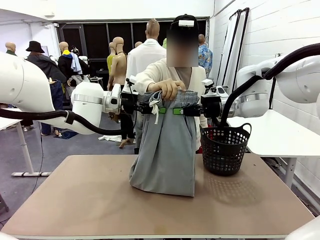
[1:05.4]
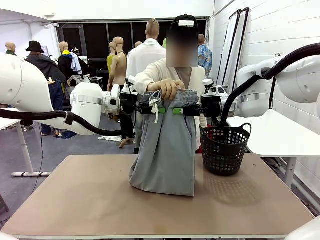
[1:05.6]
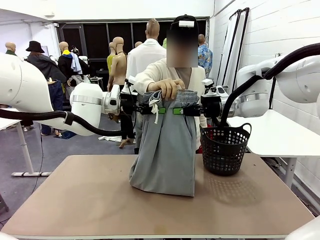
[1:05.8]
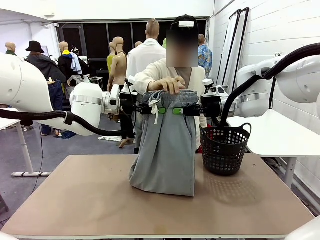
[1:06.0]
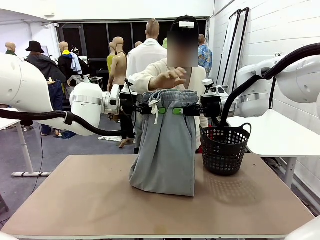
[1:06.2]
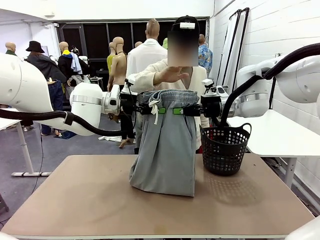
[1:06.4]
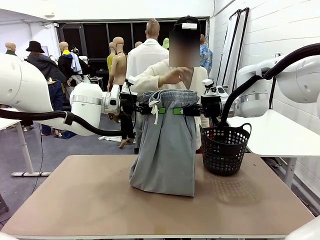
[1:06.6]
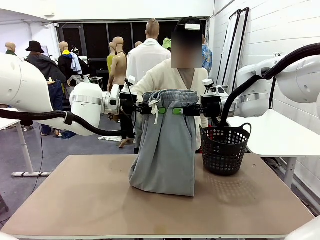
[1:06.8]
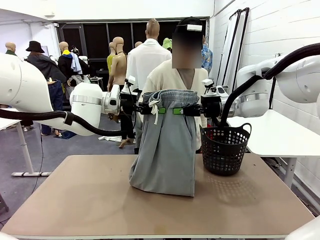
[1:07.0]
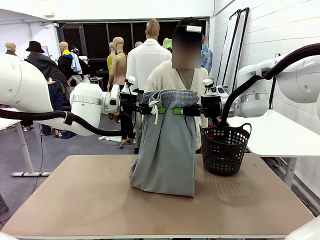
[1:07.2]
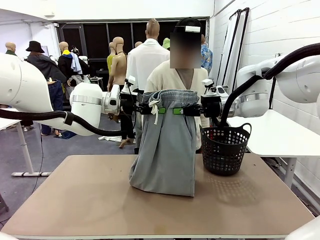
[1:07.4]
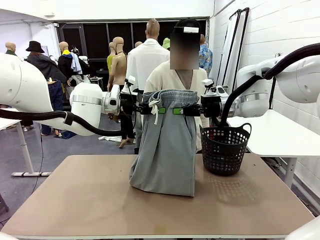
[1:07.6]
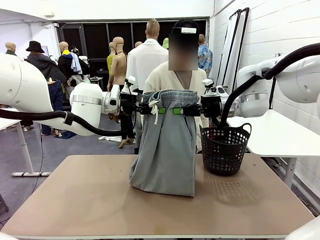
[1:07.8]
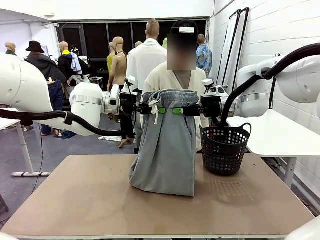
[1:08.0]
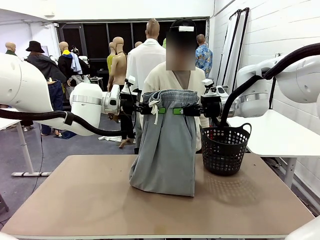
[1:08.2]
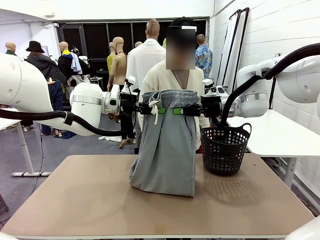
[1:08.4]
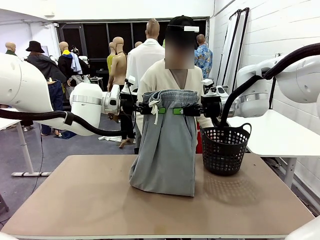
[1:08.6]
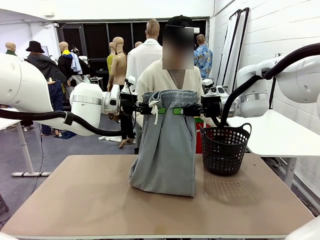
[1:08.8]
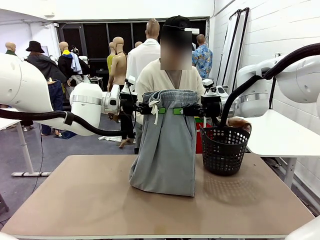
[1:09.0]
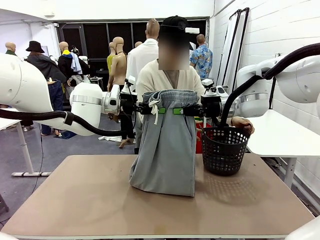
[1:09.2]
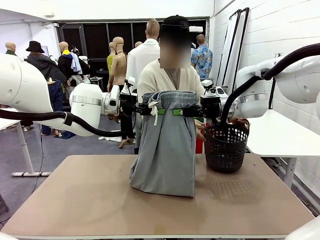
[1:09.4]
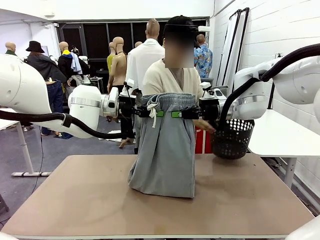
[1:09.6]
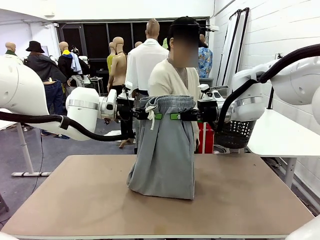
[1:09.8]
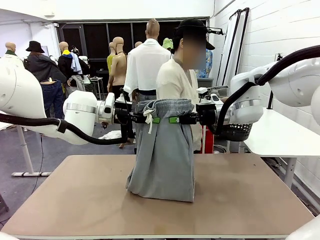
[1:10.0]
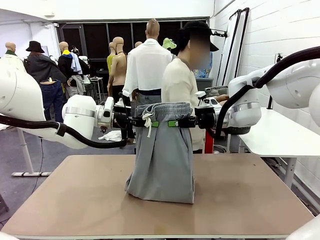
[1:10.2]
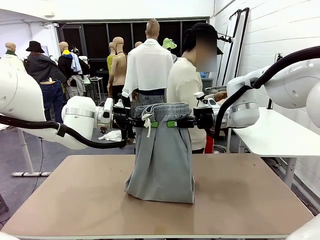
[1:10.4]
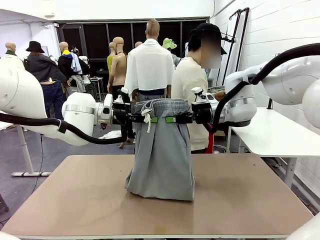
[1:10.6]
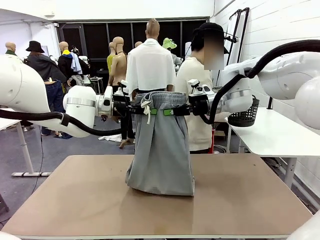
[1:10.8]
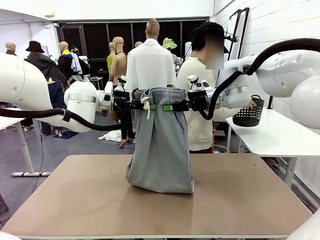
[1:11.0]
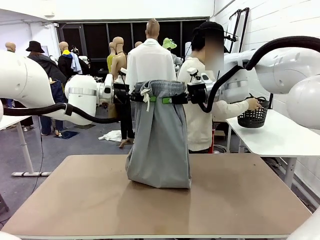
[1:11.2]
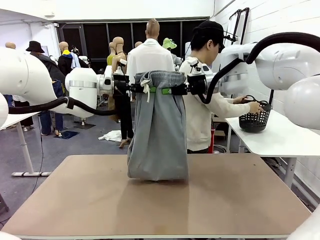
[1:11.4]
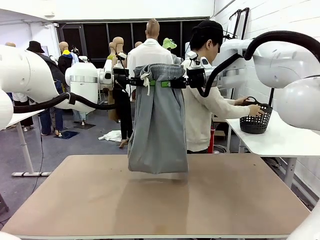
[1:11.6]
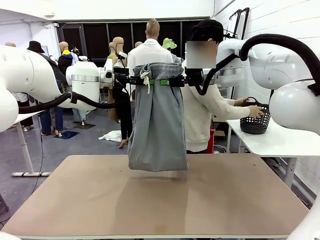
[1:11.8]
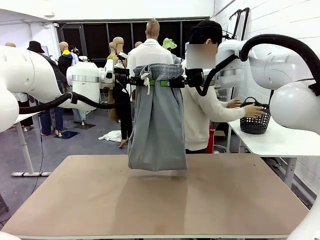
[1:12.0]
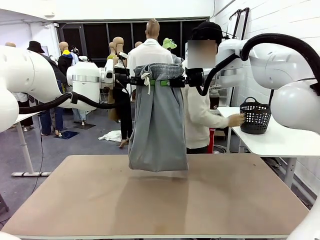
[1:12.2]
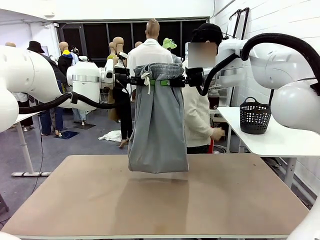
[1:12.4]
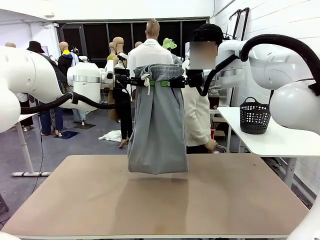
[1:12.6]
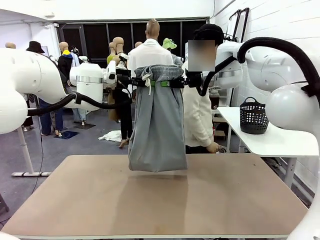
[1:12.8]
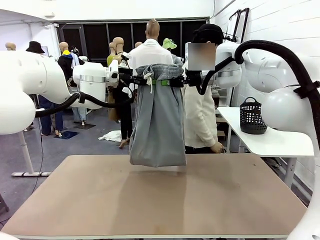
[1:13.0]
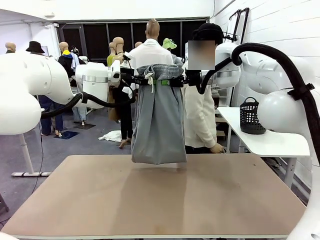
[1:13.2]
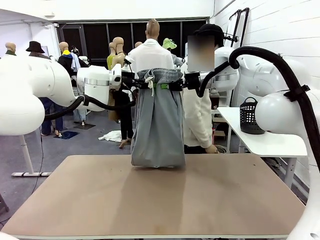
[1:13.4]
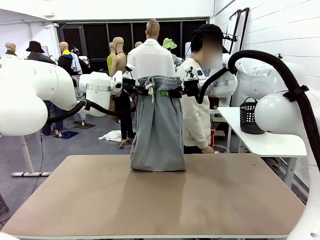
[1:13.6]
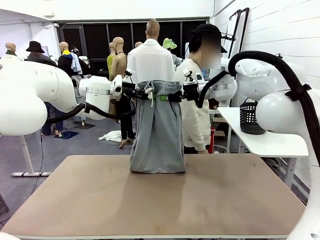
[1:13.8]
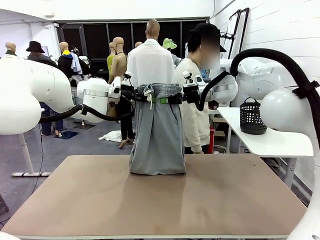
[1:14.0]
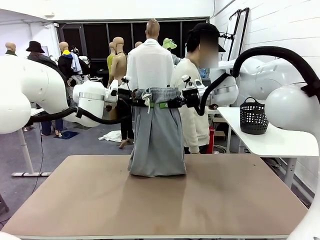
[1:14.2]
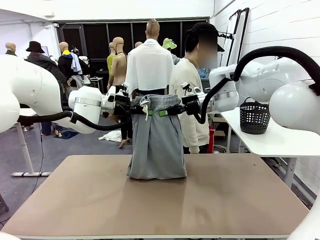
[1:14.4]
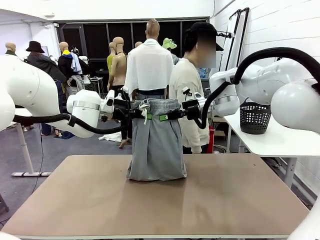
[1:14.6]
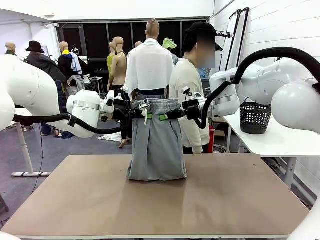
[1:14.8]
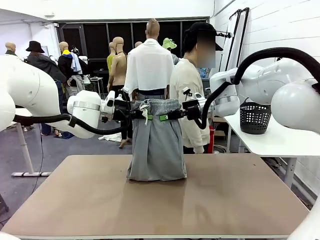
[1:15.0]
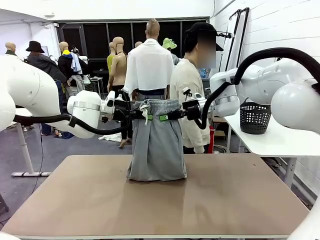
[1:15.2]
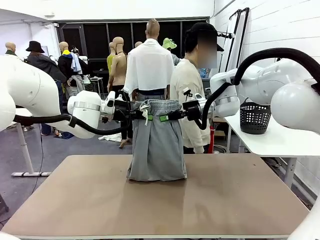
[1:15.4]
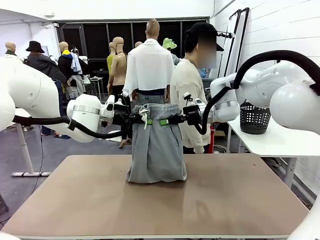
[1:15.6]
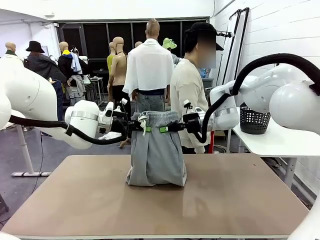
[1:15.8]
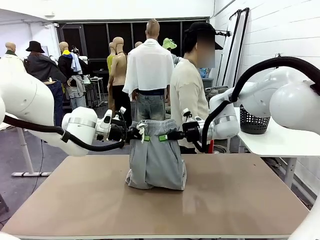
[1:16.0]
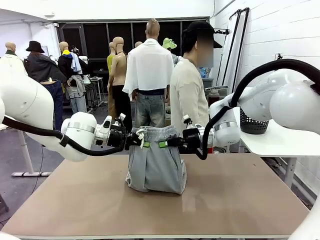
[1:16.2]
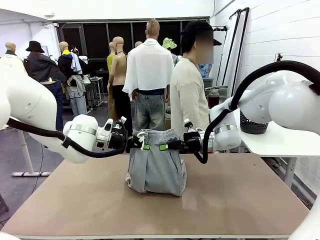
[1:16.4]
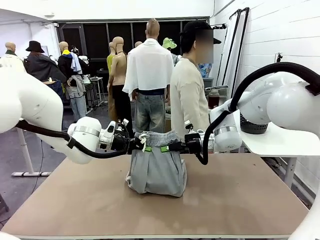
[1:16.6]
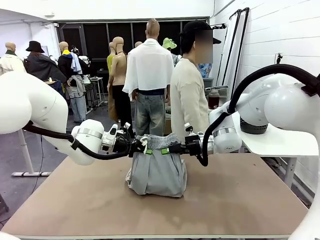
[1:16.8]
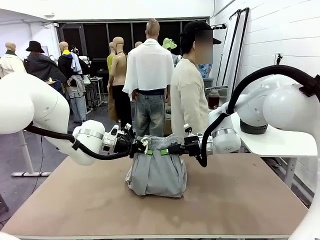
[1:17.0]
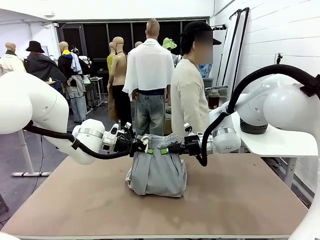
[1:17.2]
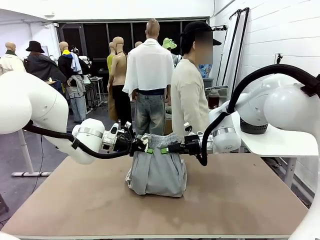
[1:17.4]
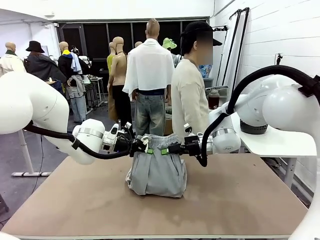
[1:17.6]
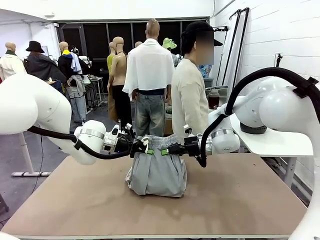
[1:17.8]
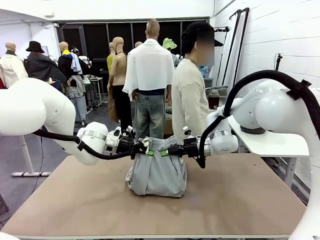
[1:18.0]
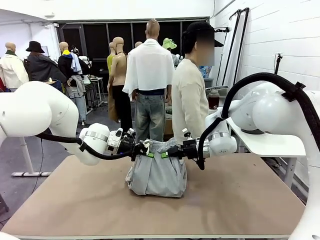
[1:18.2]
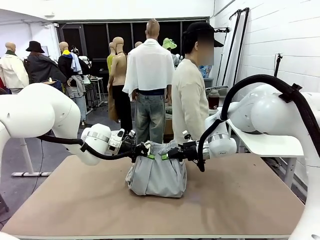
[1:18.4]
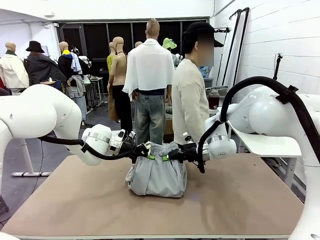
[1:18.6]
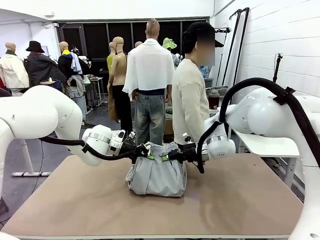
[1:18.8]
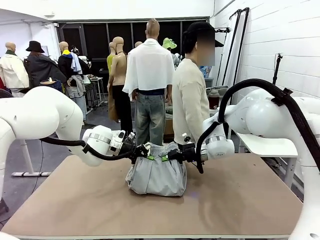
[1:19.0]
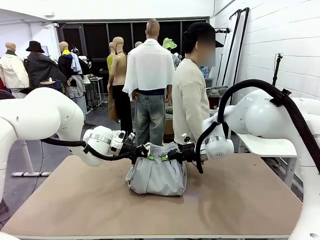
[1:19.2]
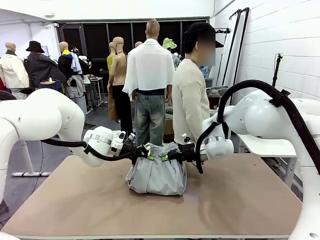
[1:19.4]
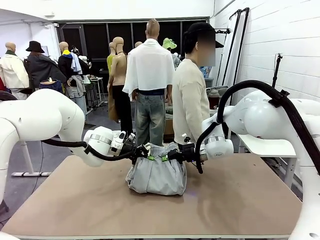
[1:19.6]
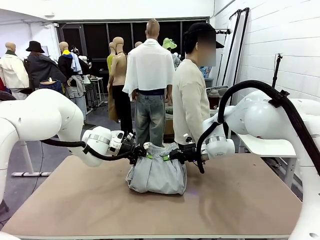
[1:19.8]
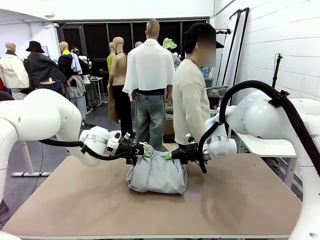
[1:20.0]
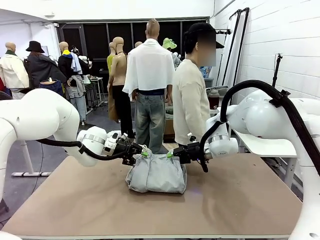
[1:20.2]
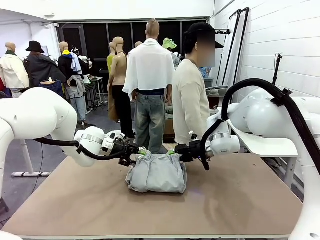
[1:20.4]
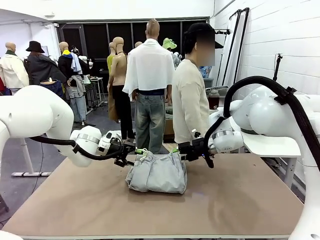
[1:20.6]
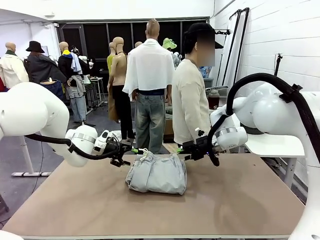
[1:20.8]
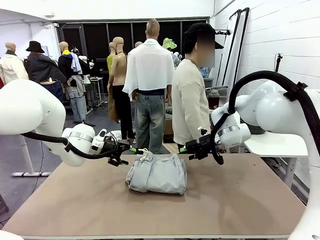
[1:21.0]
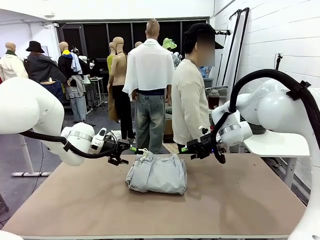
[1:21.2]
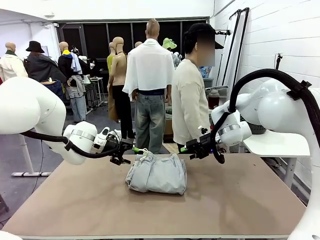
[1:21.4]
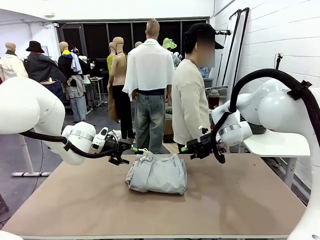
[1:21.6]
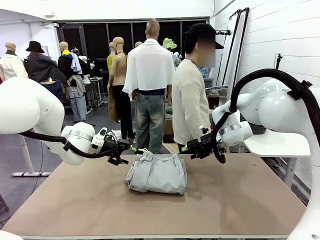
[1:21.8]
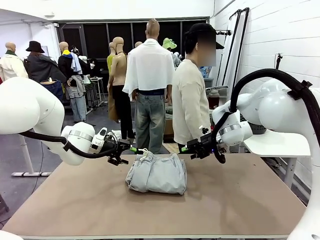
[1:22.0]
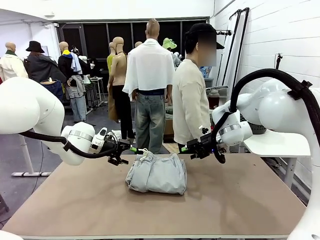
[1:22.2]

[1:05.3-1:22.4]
Task: Fold the training pants.
Robot: Fold the Training pants in half.
Person: Move the laundry basket to the right of the human table.

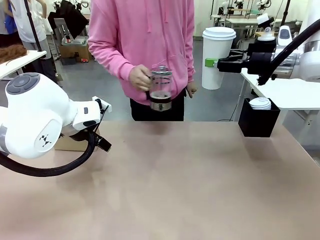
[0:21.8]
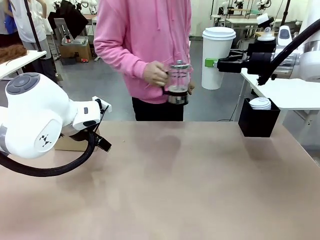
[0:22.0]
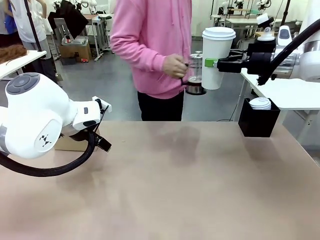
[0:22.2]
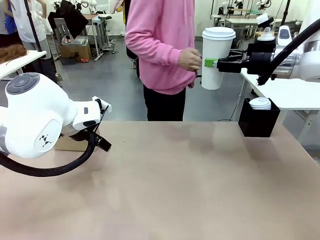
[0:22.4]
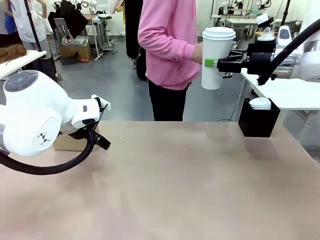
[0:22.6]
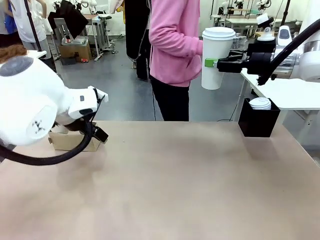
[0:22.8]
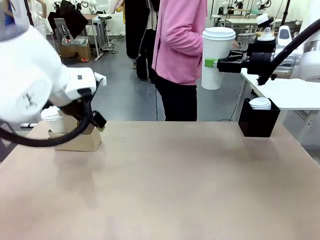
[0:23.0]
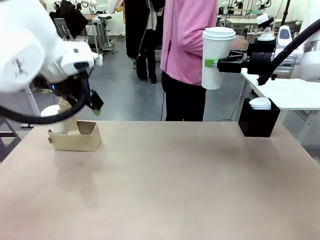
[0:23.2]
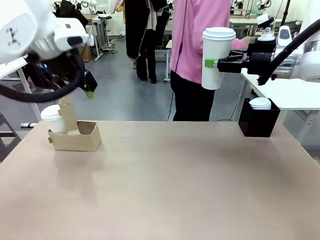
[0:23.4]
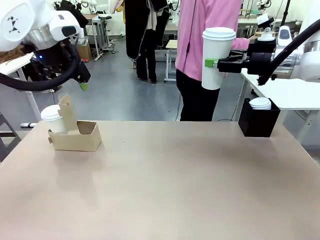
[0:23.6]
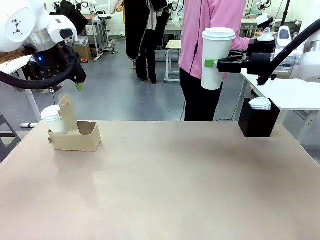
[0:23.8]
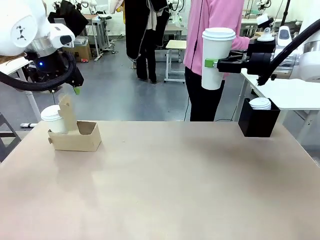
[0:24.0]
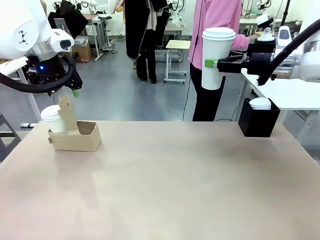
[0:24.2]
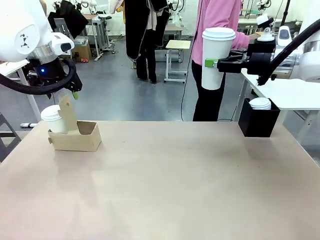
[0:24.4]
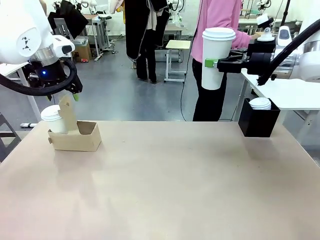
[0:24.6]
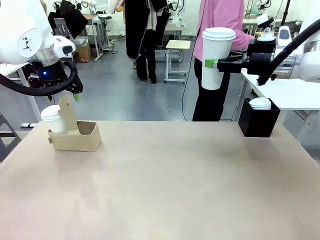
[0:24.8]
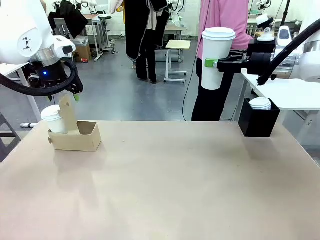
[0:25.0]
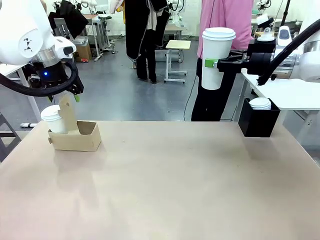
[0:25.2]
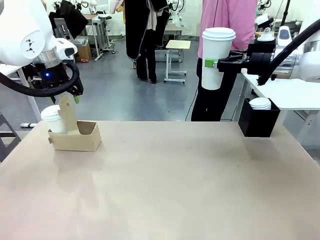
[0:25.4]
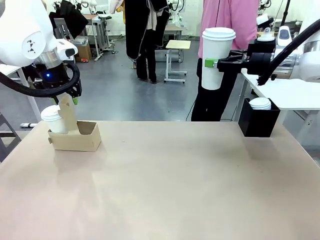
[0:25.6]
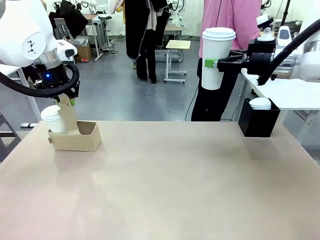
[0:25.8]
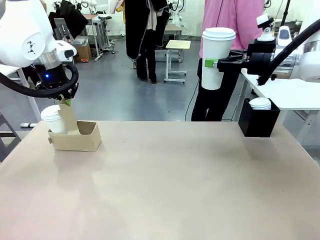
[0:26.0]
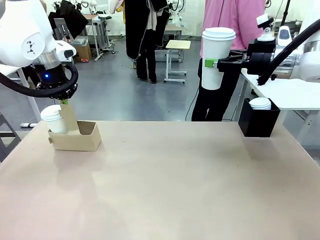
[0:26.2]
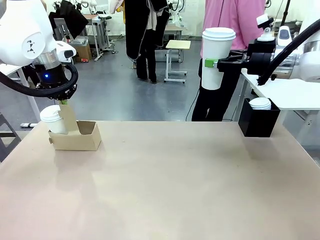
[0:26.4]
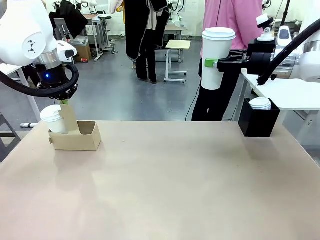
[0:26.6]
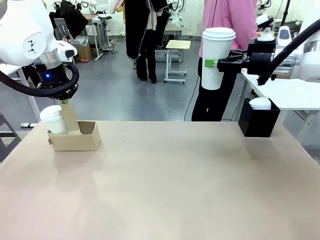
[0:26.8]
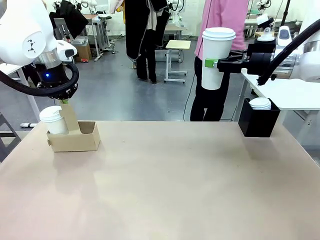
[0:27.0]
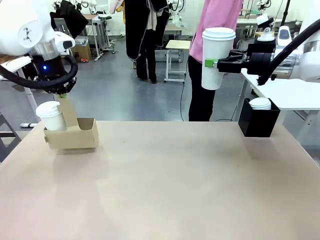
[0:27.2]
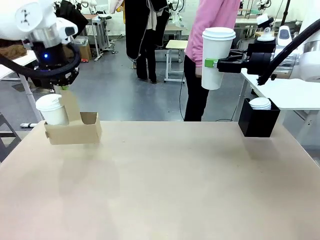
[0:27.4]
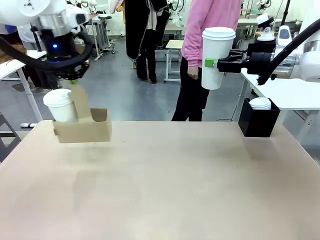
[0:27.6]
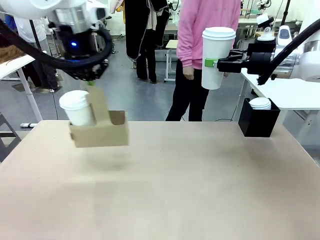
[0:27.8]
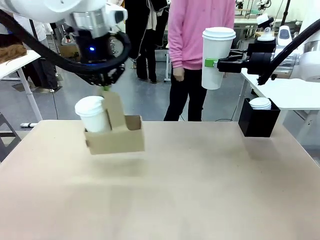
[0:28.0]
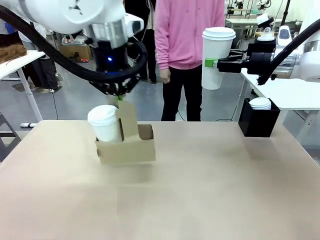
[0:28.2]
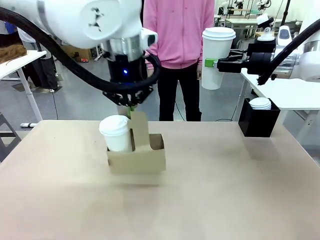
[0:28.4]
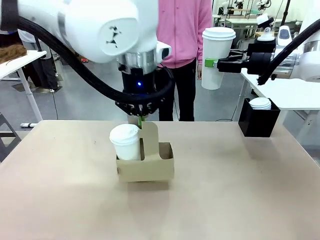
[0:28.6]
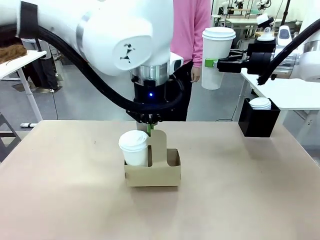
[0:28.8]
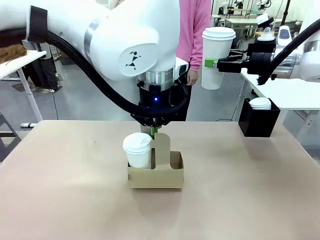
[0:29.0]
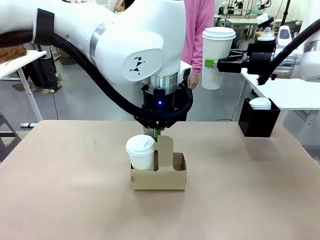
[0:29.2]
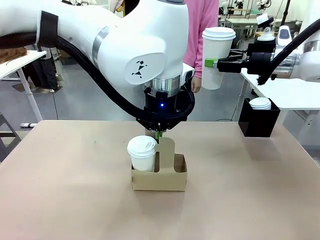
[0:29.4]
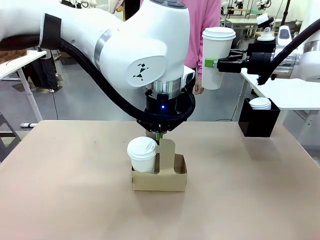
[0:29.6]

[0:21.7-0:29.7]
Task: Pour a drink into a cup and package it in a carrier.
Robot: Position the Cup Carrier in the center of the table.
Person: Pick up the Filter Brewing and place on the middle of Human table, and return to the Robot table.
